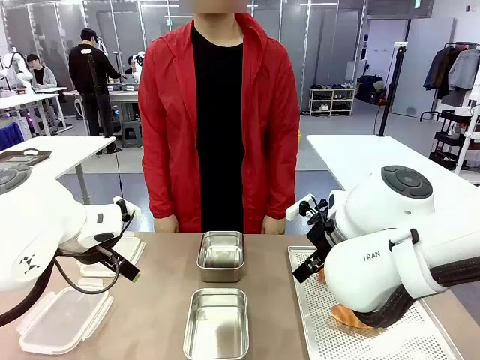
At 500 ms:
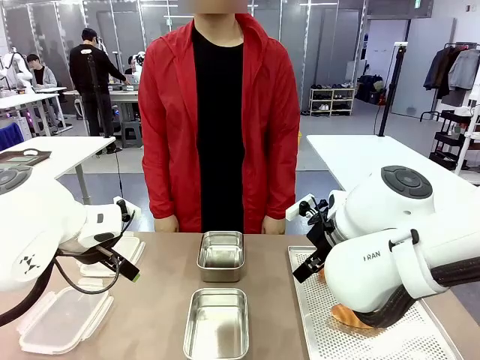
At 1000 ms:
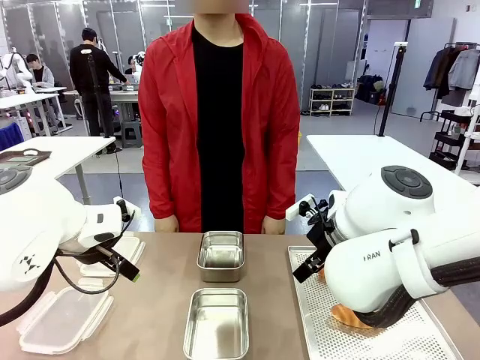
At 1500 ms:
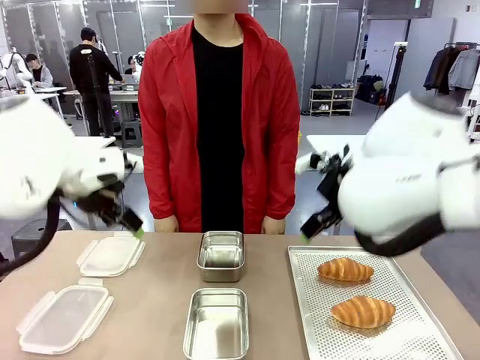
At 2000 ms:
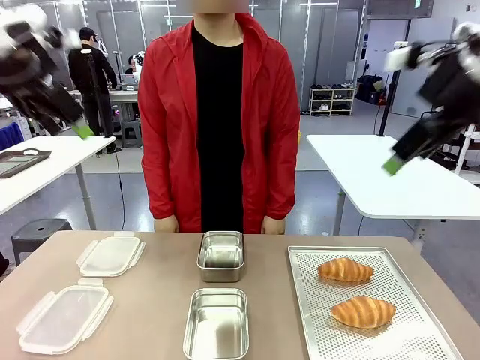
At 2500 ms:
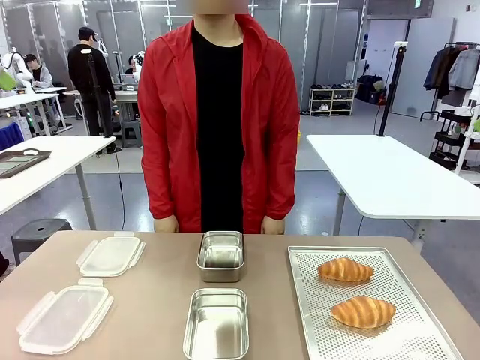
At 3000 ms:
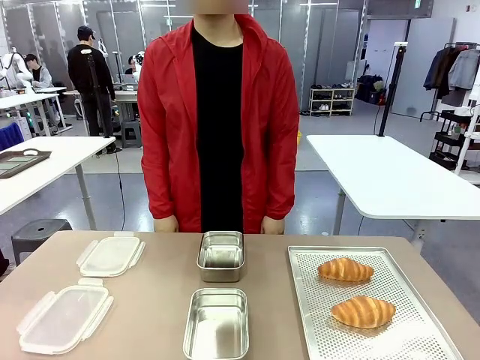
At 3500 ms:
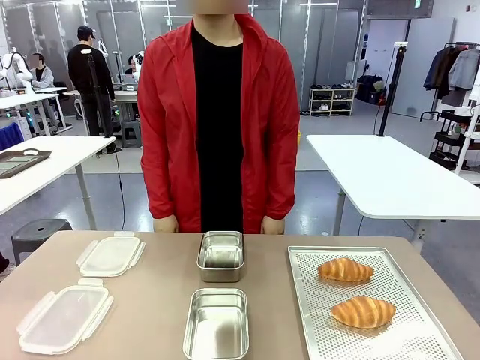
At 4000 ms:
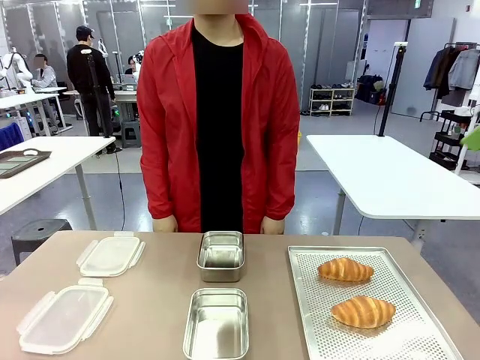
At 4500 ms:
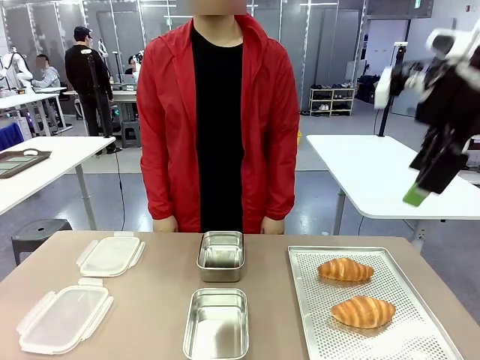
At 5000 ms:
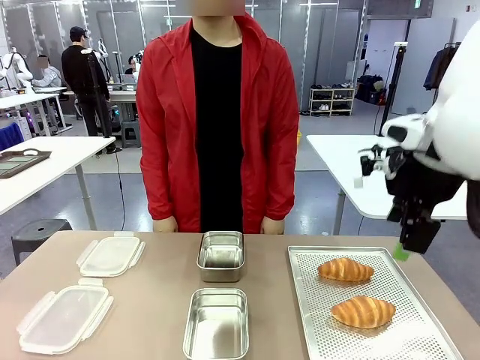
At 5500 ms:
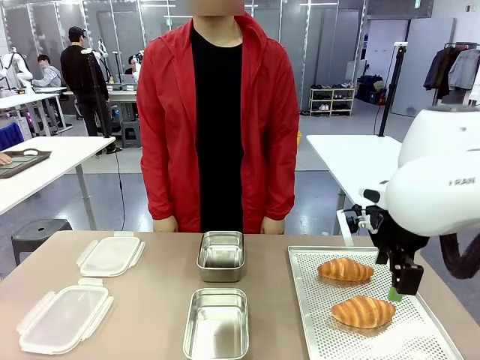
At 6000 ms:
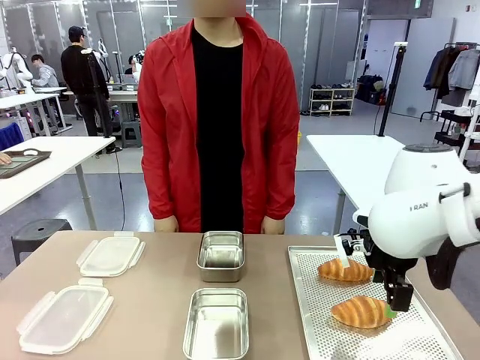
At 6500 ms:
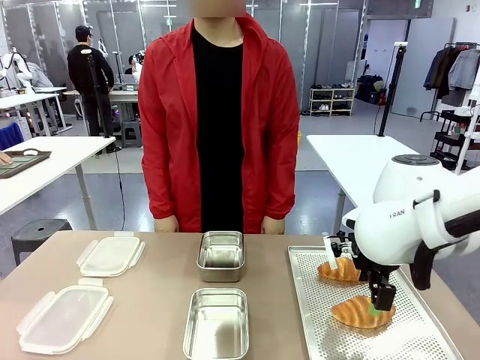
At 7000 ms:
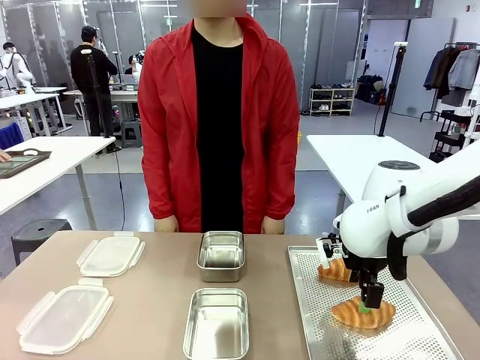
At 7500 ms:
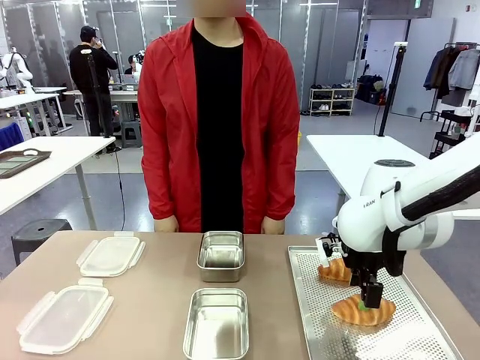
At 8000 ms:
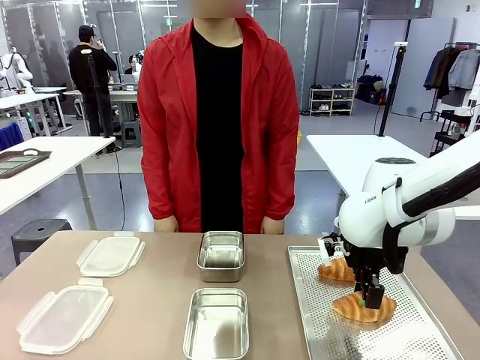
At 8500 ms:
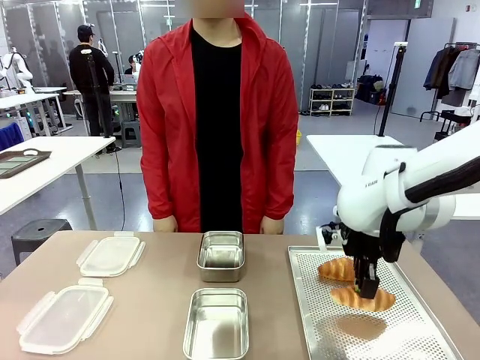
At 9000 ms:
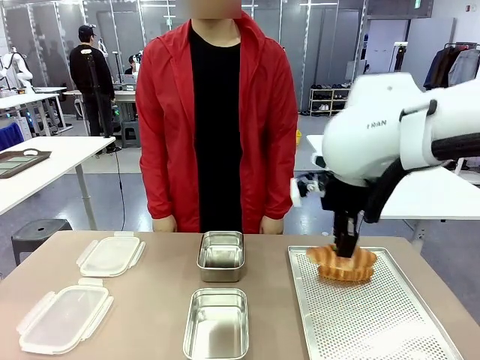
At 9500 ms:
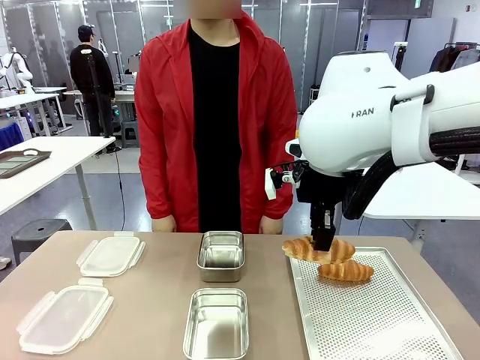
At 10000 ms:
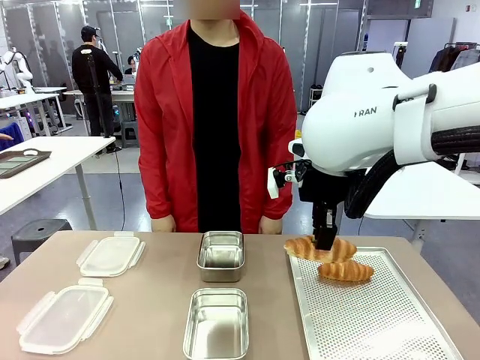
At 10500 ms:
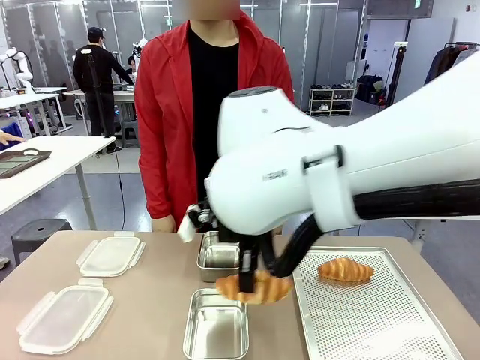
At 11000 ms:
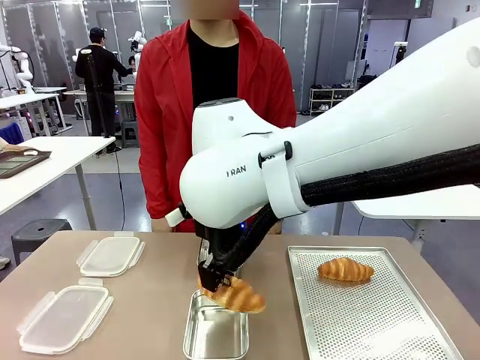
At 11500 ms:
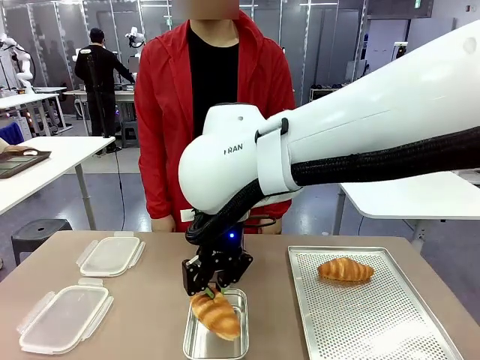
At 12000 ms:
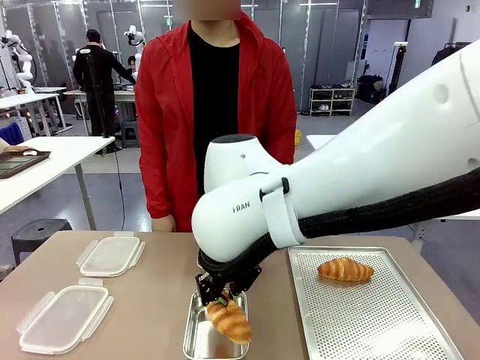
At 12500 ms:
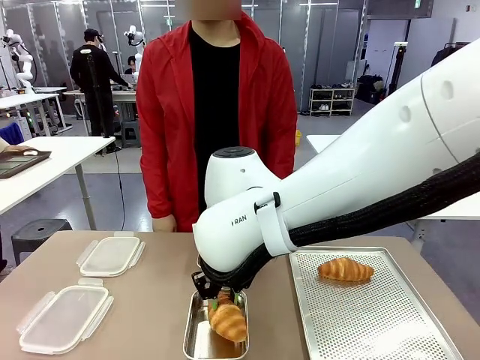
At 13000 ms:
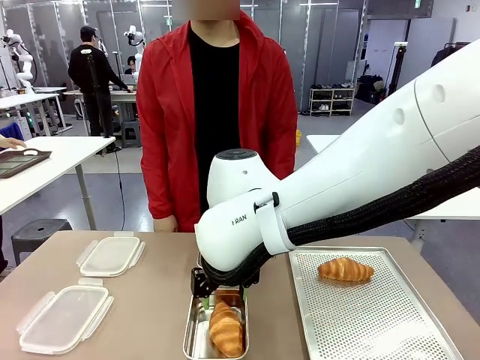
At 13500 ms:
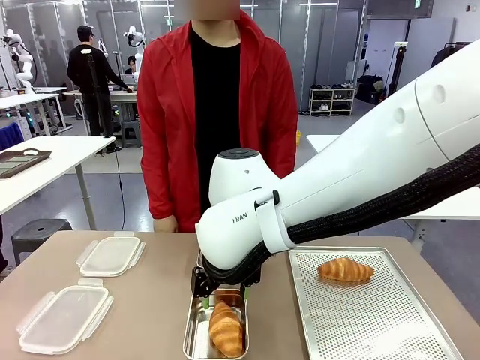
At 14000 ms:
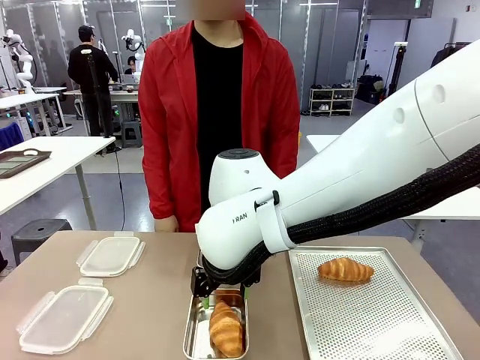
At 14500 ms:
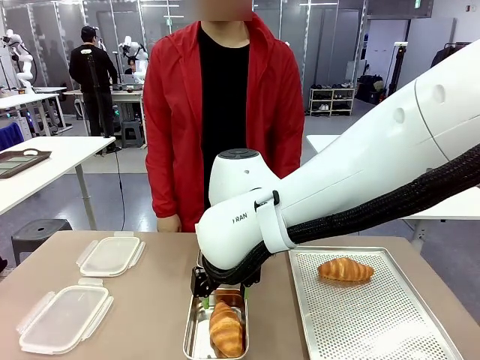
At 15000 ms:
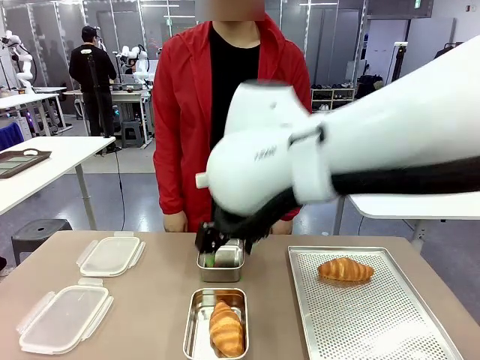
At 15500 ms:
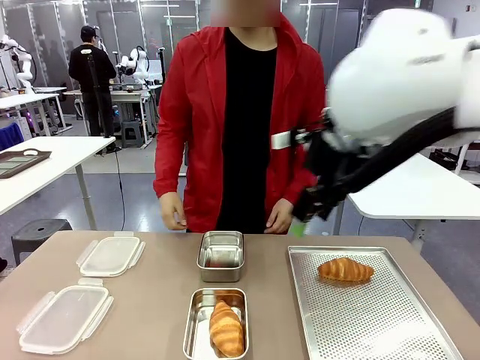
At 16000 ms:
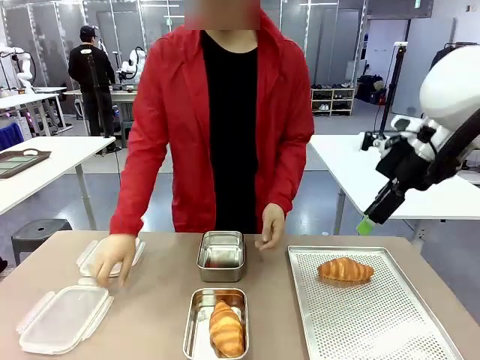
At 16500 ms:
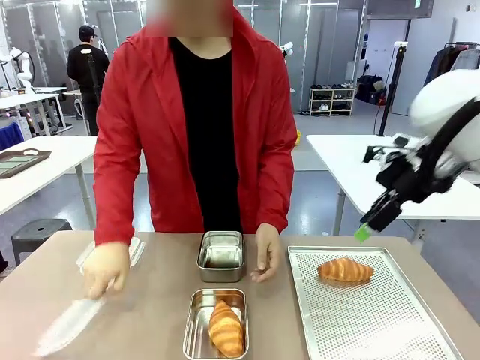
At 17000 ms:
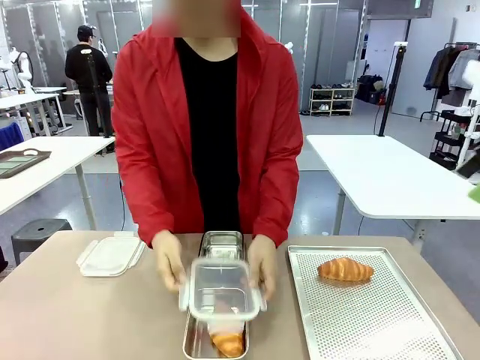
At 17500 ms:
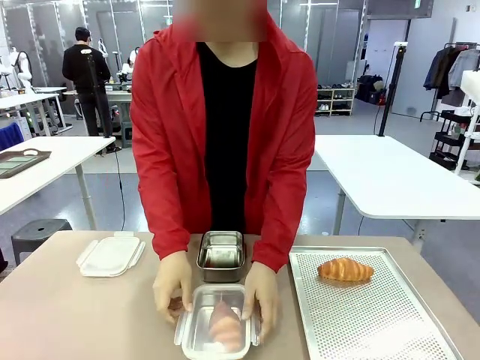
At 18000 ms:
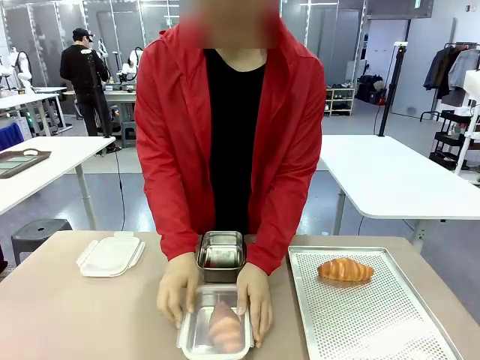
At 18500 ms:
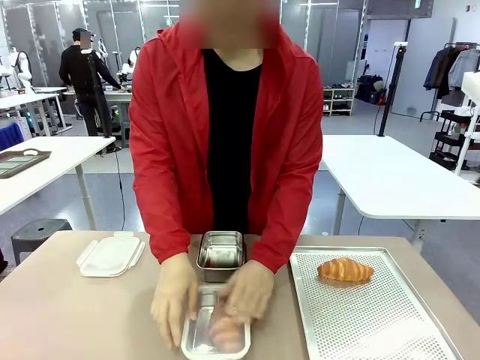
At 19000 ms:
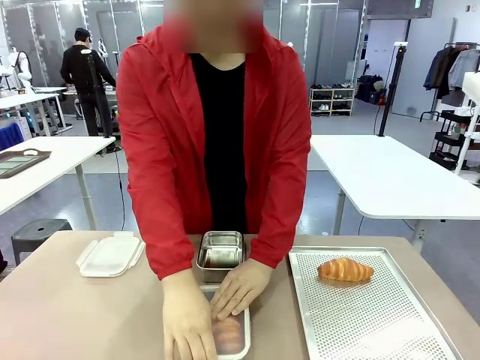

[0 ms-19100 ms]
Task: Place the bread into the airtight container.
Robot: Pick up a Butter Roll and place it into an empty Airtight Container.
